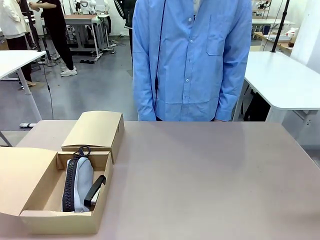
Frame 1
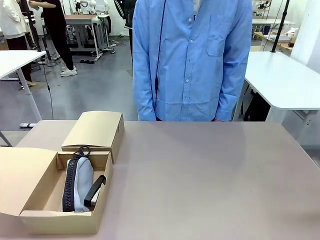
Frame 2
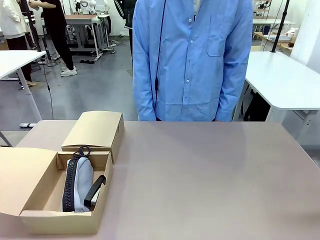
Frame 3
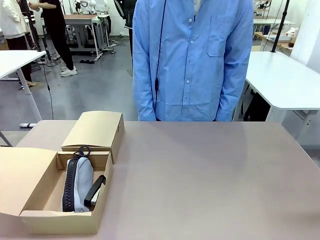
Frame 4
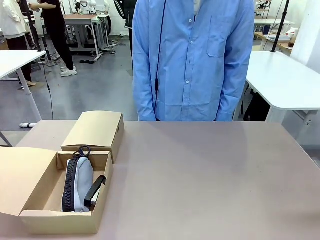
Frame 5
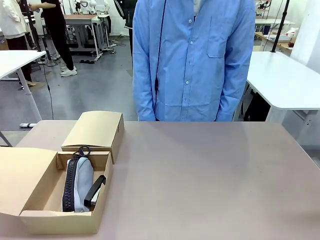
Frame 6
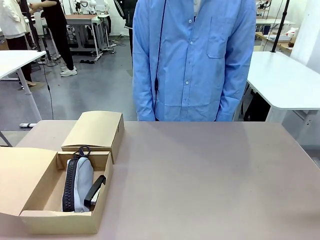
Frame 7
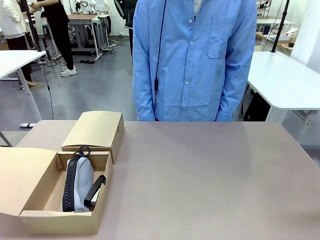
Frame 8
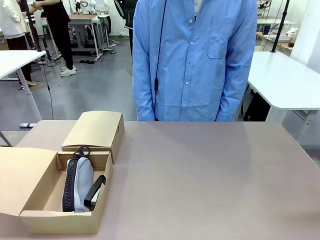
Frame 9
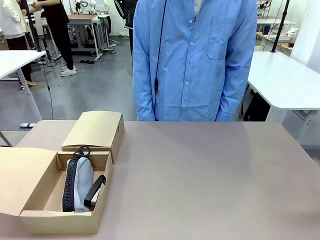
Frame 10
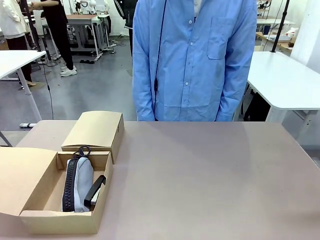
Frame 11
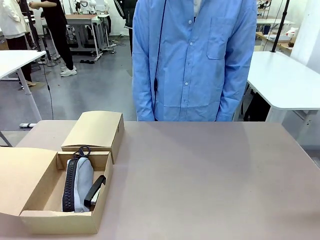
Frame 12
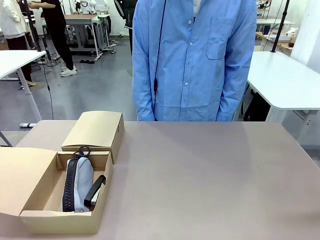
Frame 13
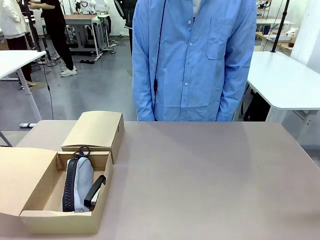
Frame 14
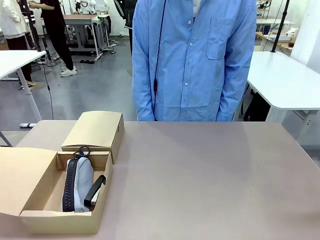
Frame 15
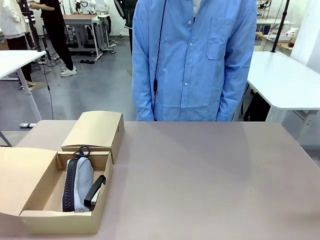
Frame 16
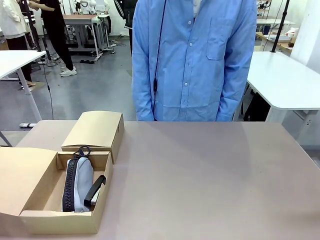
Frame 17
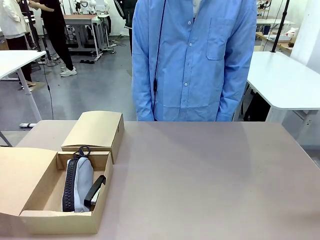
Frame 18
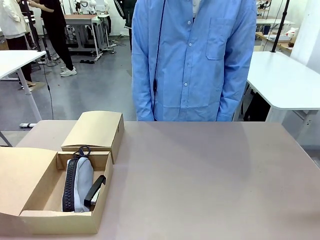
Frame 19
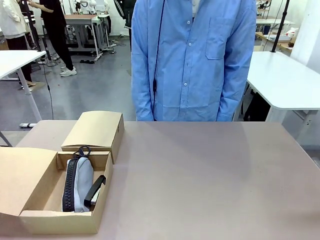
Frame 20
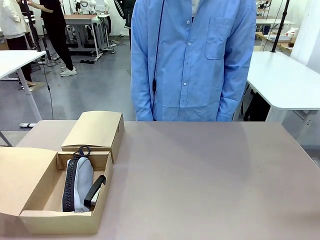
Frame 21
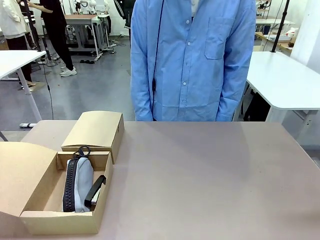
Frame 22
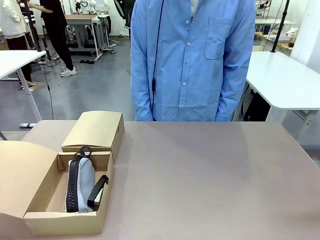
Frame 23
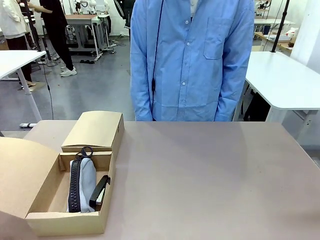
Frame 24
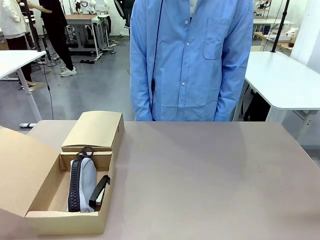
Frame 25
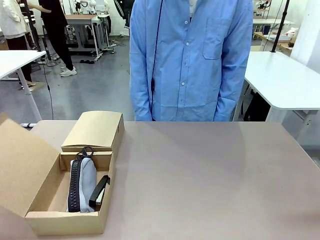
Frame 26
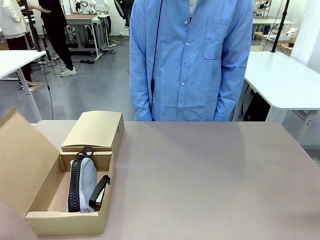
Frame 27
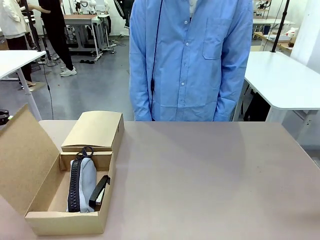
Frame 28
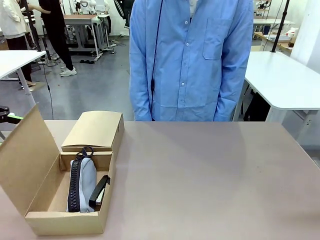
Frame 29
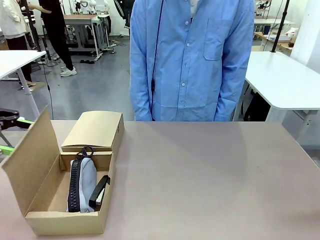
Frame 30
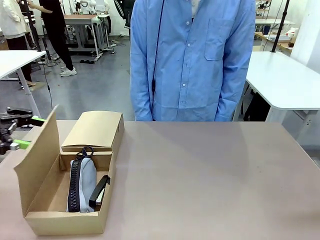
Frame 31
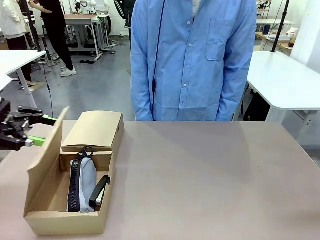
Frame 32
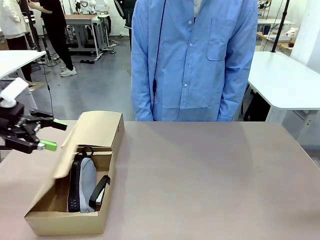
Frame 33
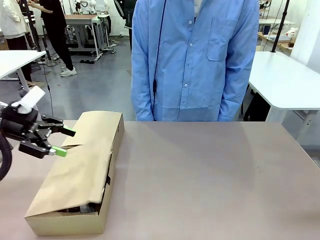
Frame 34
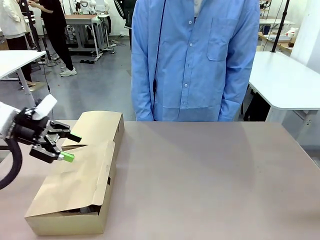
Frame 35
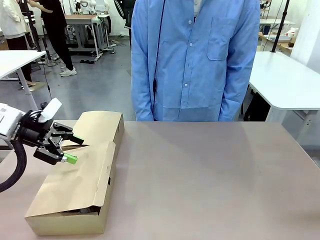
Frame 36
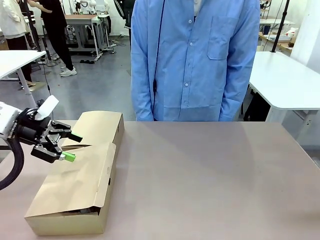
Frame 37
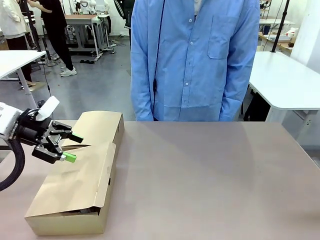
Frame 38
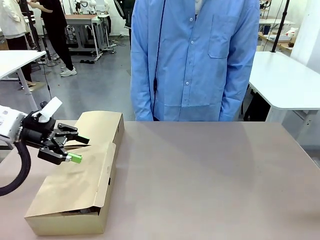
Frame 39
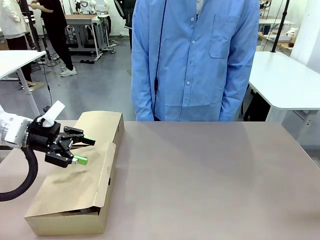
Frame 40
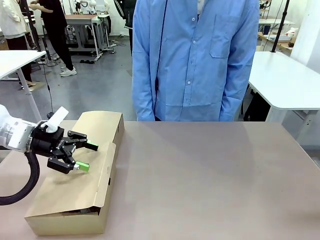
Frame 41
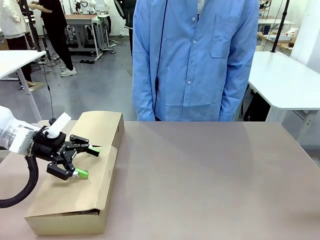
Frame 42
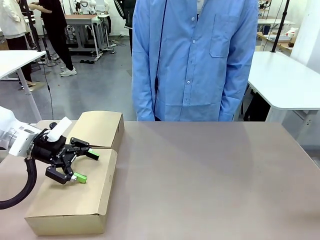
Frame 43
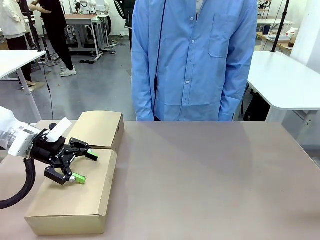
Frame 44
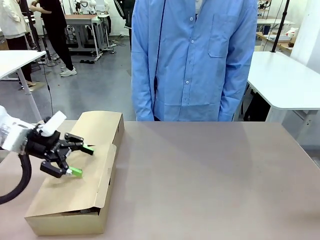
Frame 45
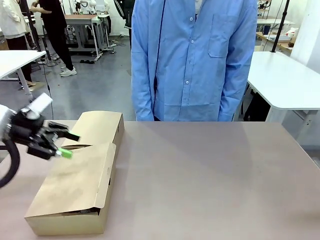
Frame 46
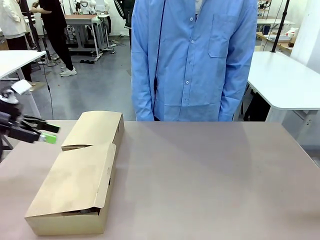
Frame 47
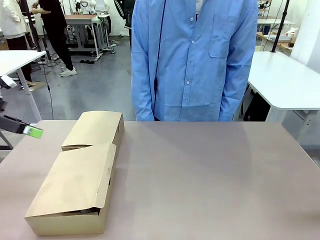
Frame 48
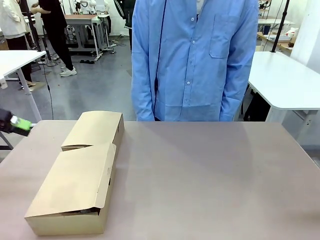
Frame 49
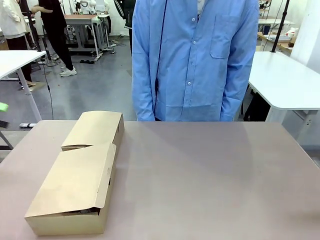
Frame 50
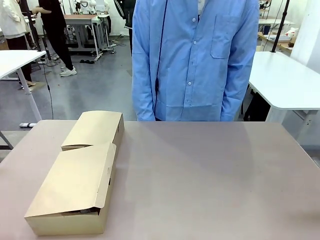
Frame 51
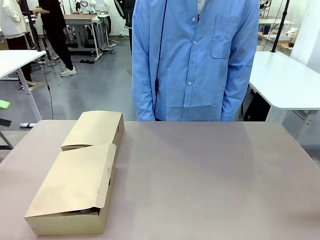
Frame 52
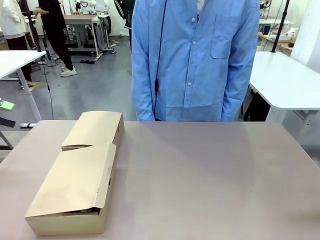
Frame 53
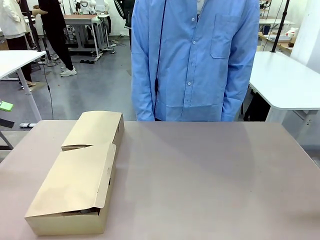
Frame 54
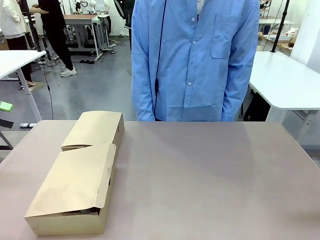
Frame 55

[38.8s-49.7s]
Task: Place items inside the box.
Robot: Close the lid of the Mailer Box closest to the robot.

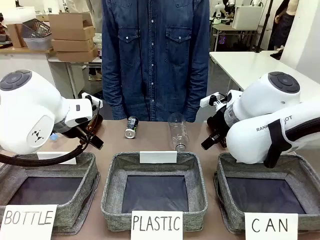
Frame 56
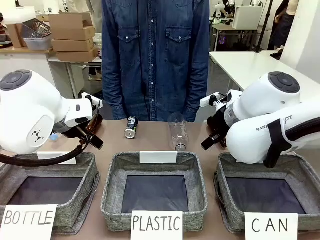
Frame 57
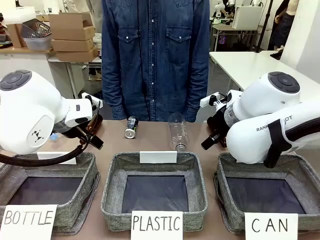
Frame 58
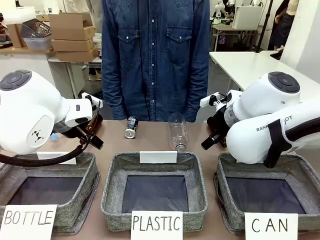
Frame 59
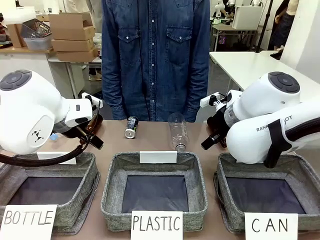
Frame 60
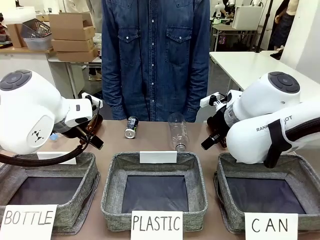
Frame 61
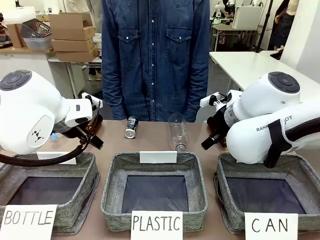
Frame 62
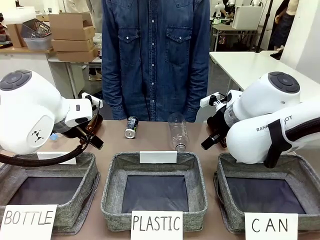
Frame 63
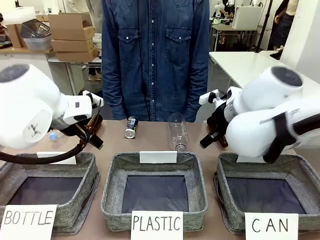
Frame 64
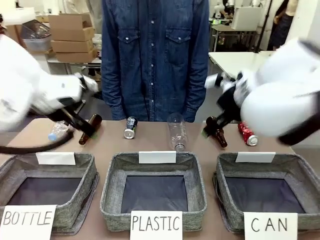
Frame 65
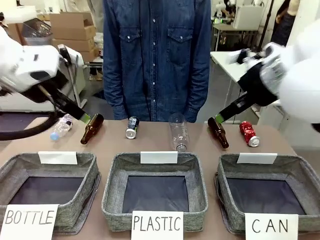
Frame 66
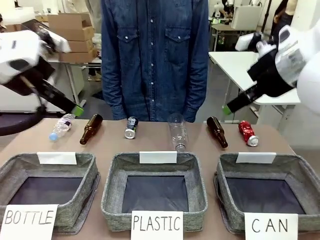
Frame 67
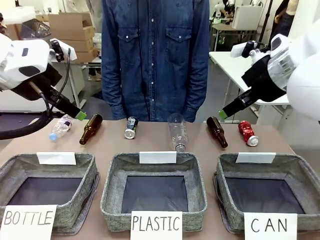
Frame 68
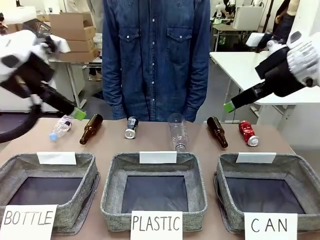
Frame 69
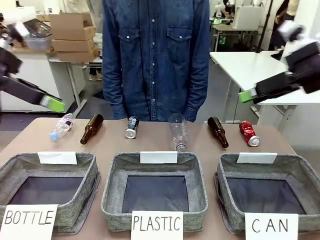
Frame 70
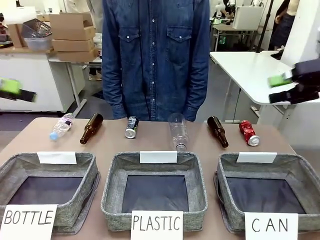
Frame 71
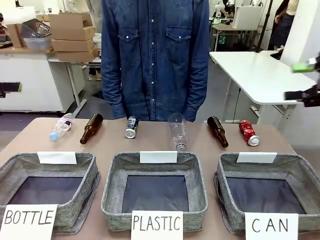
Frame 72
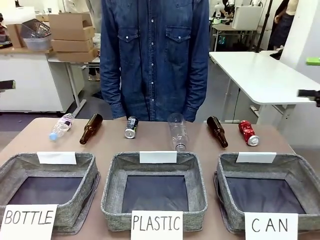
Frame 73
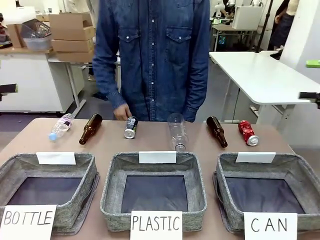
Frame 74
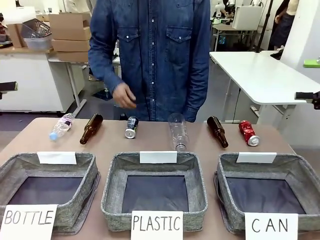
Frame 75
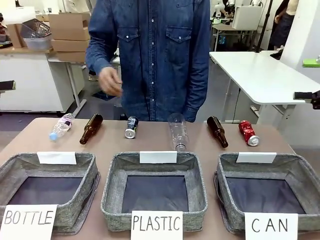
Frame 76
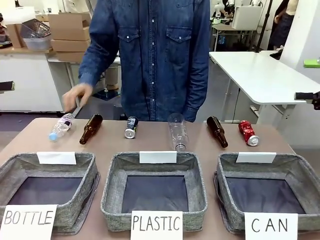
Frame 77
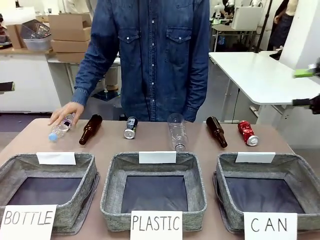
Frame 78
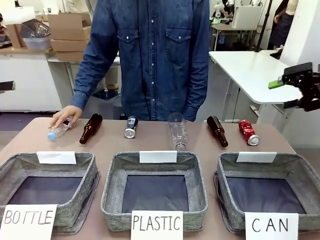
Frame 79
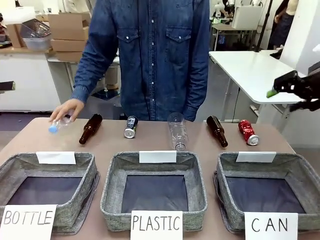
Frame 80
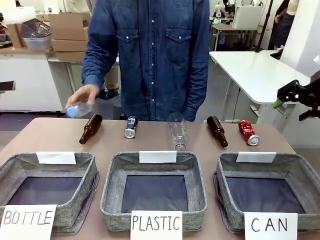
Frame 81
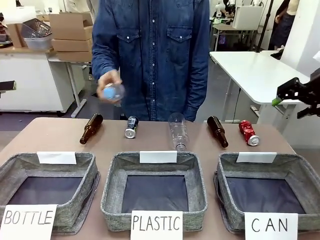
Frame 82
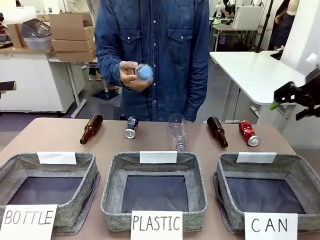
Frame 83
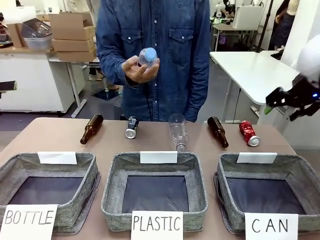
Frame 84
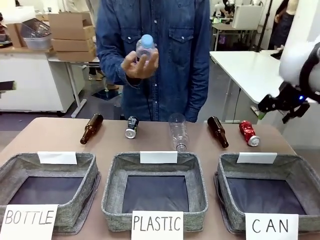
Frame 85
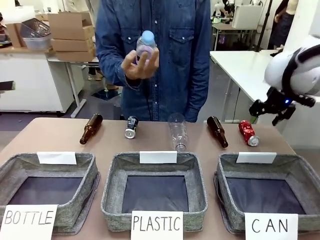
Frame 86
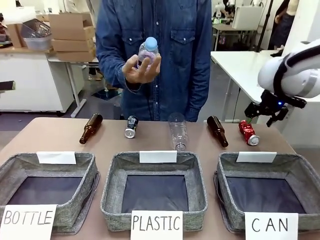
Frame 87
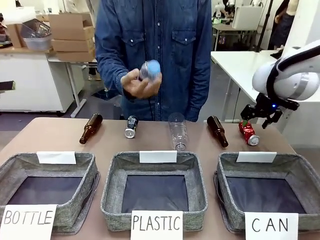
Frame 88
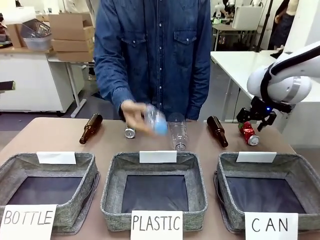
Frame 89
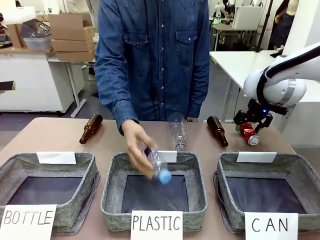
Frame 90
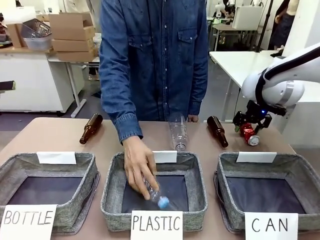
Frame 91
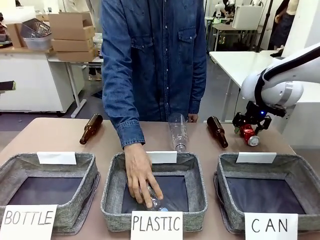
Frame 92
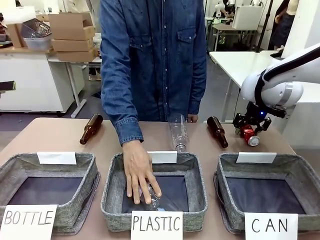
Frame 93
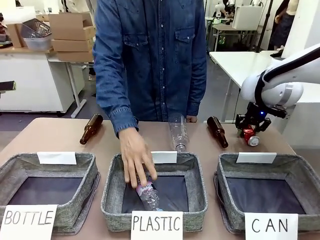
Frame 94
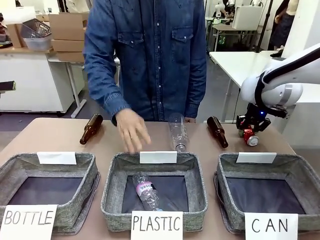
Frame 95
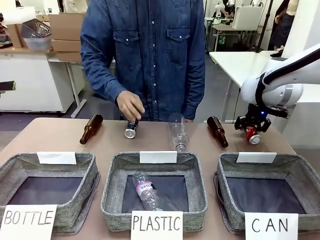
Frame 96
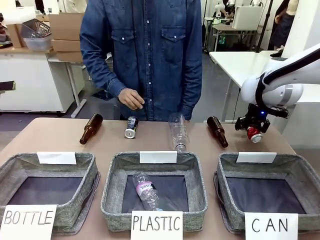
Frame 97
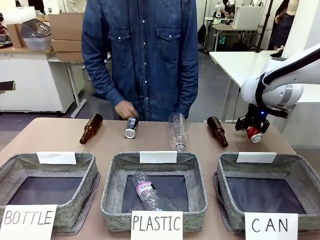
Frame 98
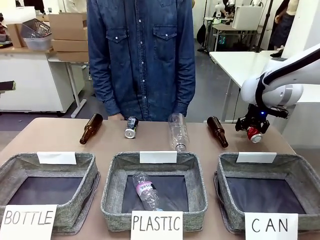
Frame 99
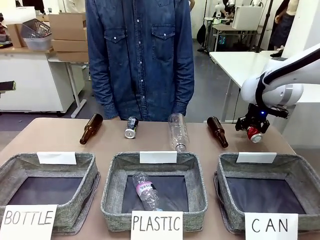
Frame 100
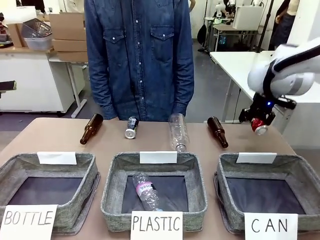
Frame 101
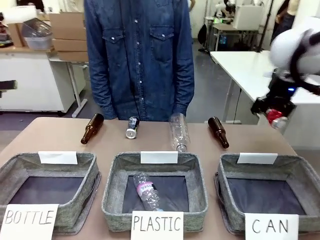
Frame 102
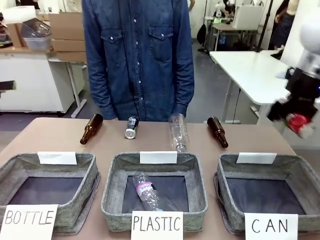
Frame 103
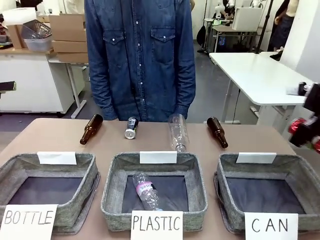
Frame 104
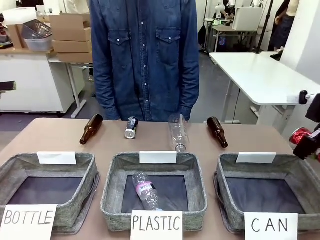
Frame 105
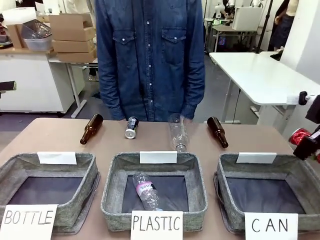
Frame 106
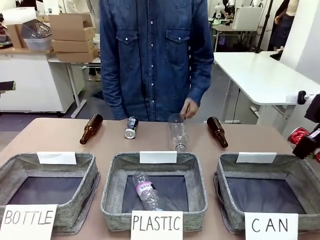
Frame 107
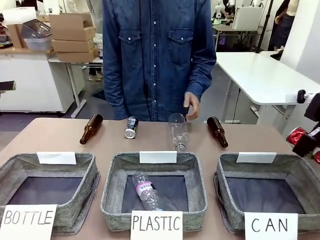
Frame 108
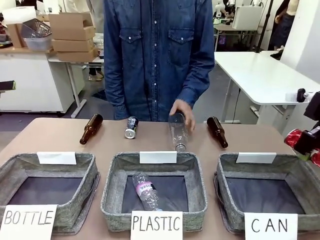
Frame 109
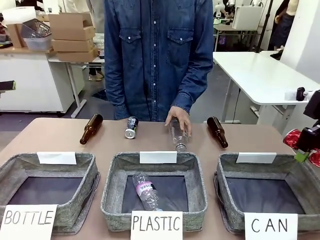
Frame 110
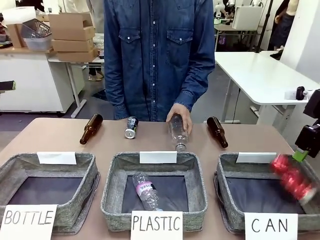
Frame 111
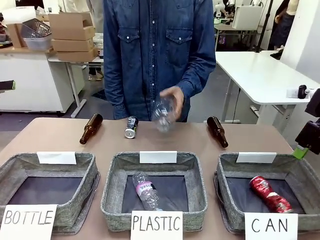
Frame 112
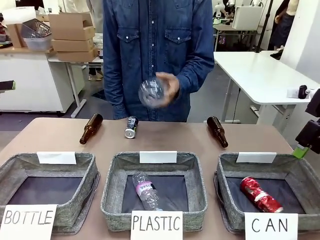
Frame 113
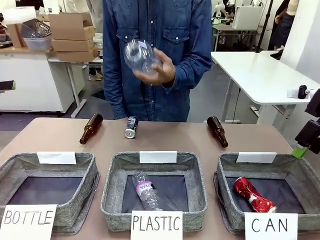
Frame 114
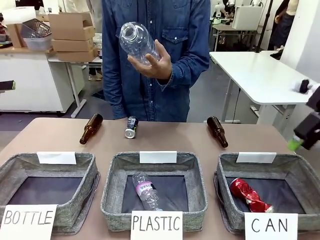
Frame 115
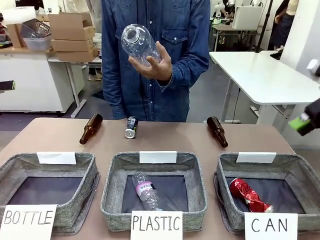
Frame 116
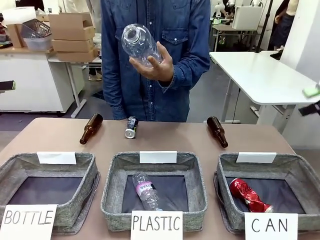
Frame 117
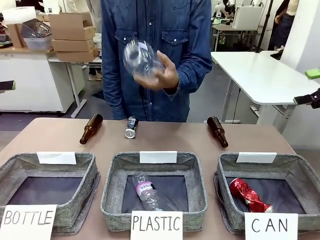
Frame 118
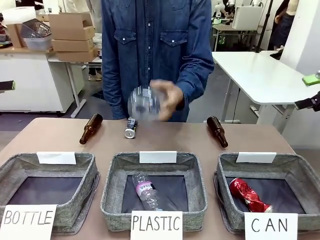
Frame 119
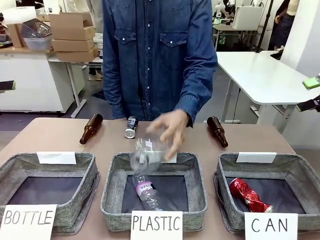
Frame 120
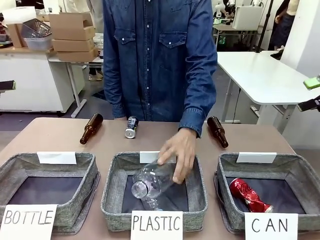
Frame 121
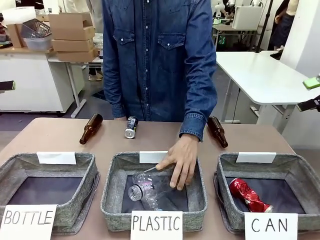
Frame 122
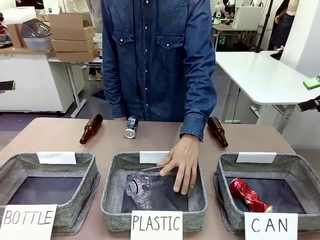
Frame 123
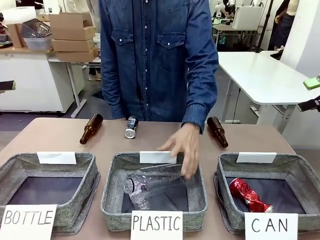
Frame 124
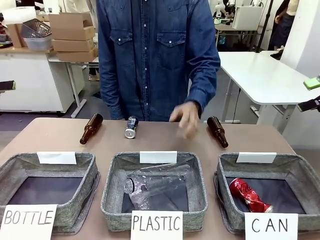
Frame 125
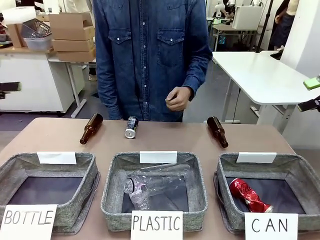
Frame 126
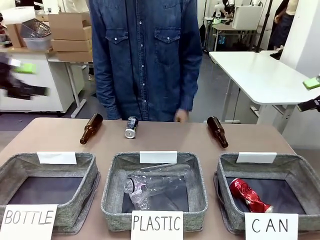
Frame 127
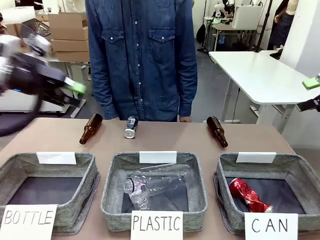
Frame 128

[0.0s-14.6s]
Task: Sort the can waste into the basket.
Robot: Pick up the can waste from the table and place it in the right Fabric basket.
